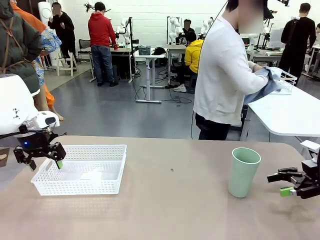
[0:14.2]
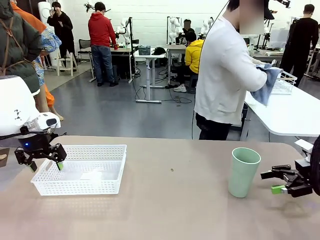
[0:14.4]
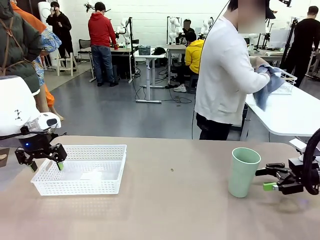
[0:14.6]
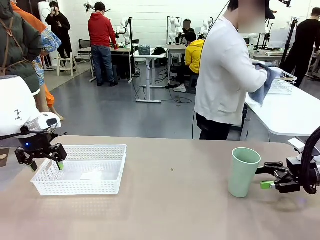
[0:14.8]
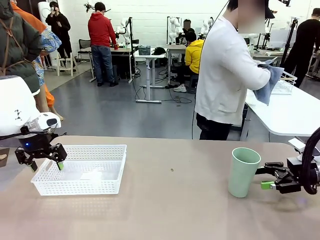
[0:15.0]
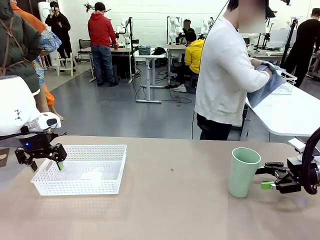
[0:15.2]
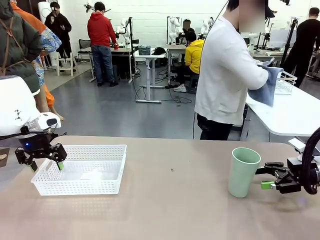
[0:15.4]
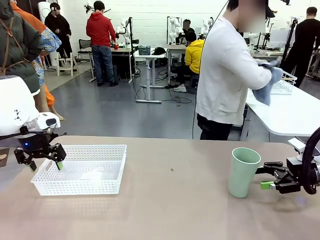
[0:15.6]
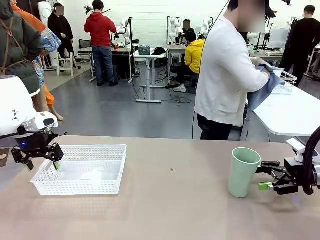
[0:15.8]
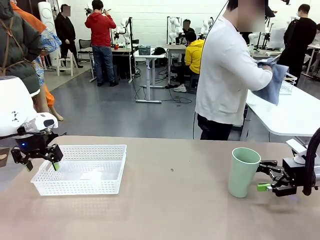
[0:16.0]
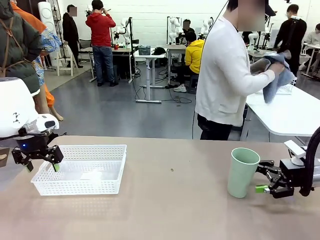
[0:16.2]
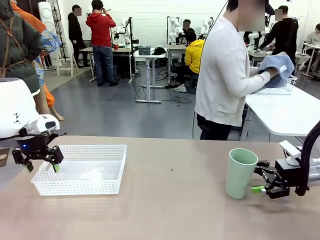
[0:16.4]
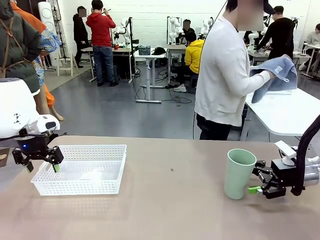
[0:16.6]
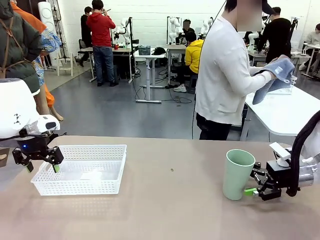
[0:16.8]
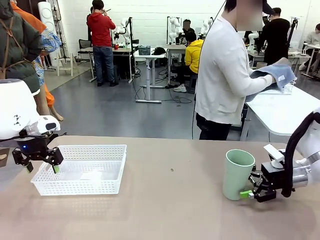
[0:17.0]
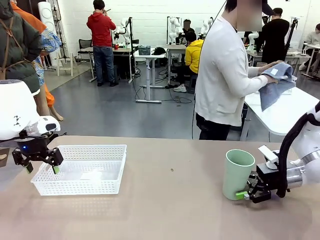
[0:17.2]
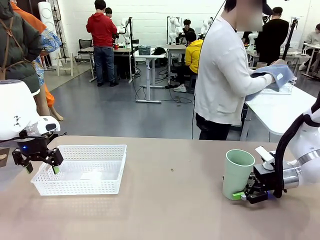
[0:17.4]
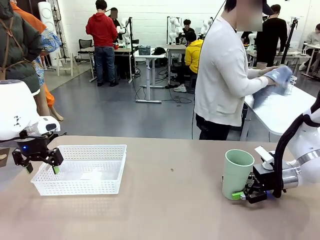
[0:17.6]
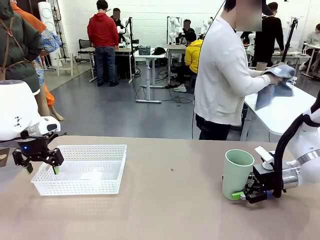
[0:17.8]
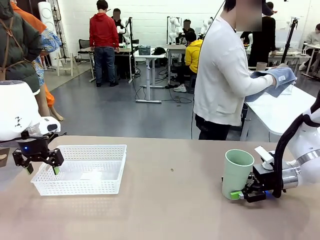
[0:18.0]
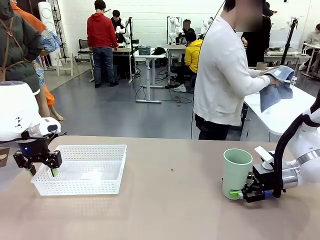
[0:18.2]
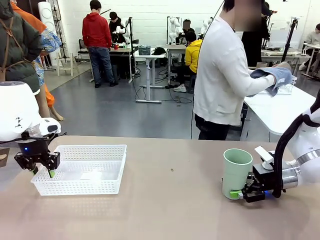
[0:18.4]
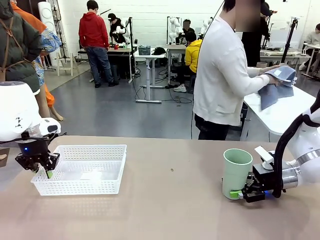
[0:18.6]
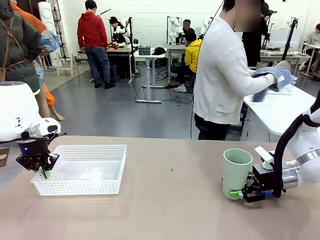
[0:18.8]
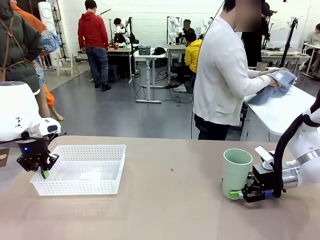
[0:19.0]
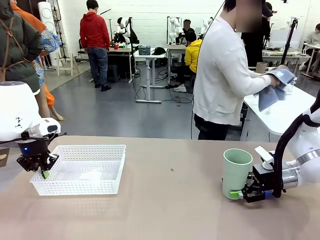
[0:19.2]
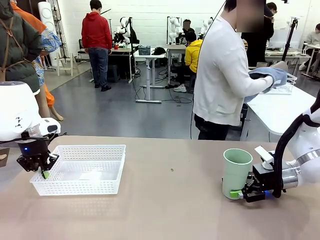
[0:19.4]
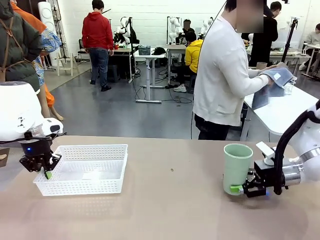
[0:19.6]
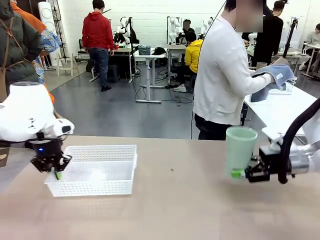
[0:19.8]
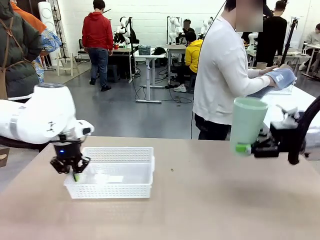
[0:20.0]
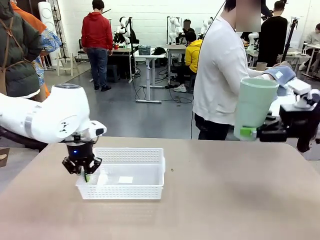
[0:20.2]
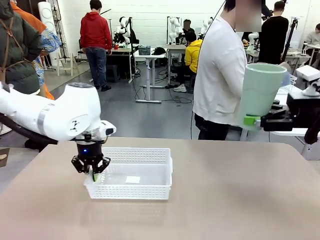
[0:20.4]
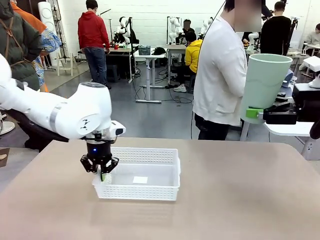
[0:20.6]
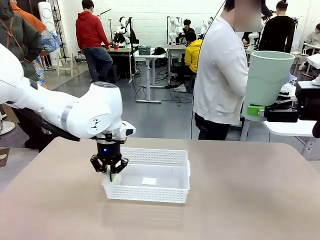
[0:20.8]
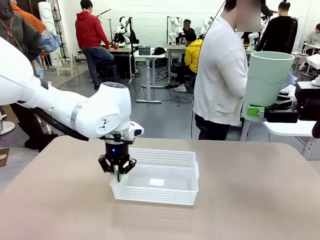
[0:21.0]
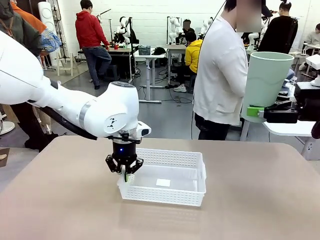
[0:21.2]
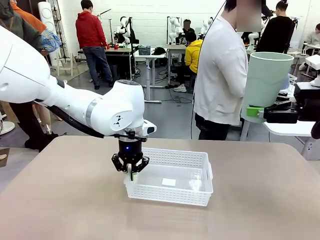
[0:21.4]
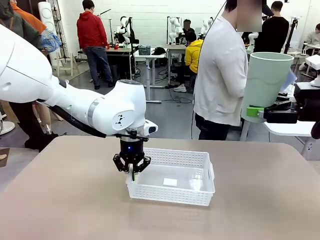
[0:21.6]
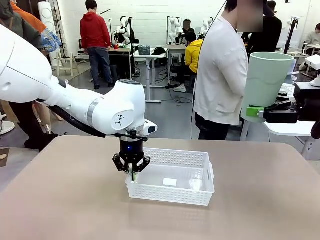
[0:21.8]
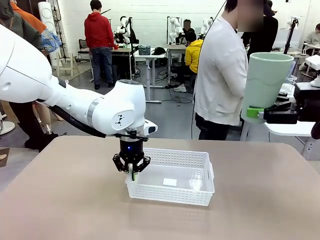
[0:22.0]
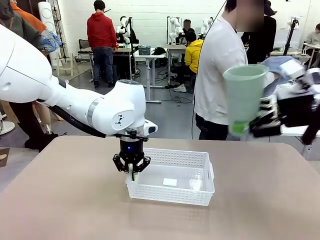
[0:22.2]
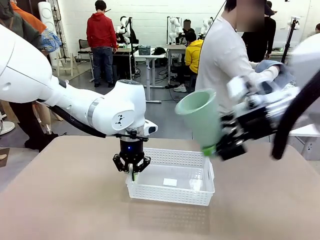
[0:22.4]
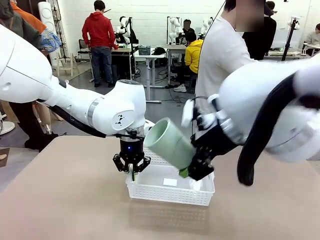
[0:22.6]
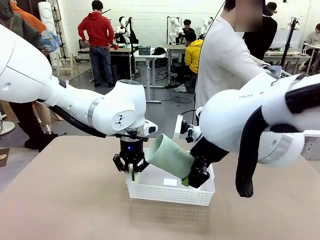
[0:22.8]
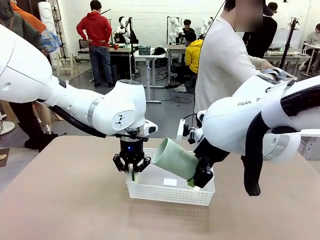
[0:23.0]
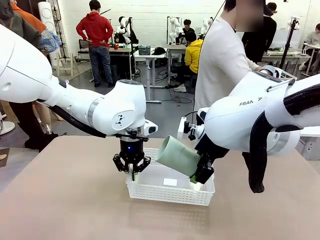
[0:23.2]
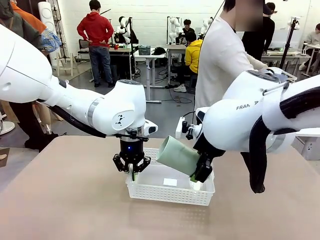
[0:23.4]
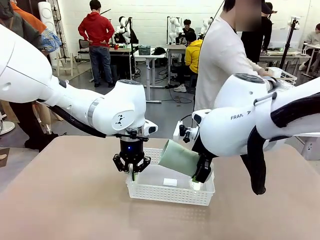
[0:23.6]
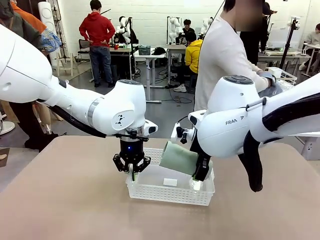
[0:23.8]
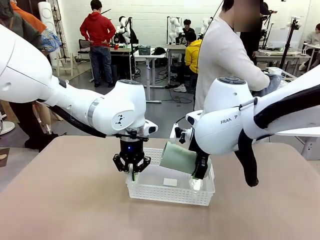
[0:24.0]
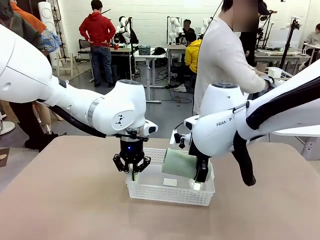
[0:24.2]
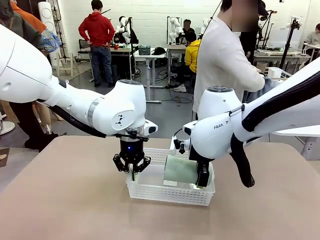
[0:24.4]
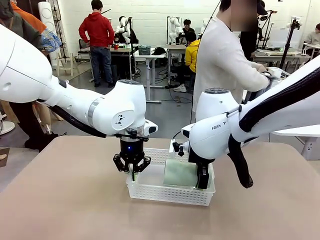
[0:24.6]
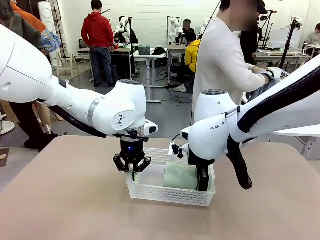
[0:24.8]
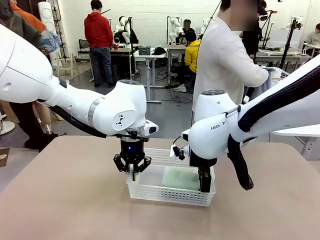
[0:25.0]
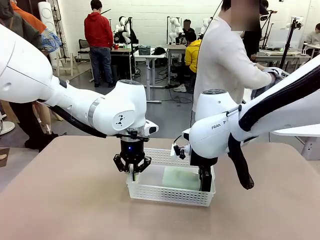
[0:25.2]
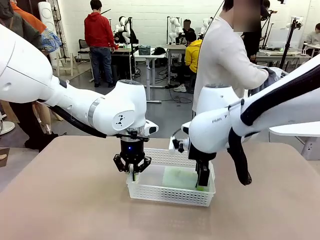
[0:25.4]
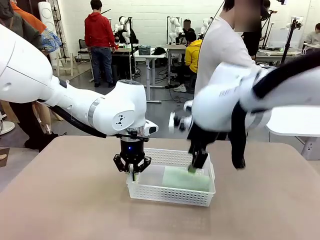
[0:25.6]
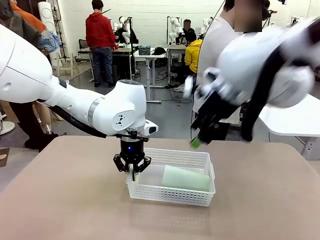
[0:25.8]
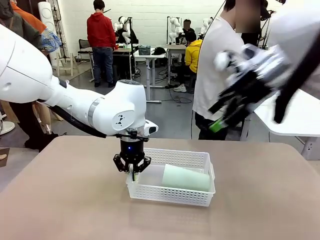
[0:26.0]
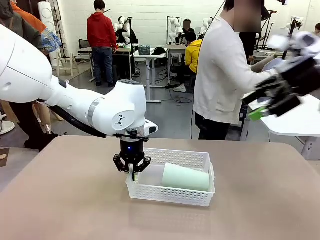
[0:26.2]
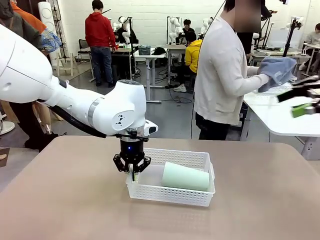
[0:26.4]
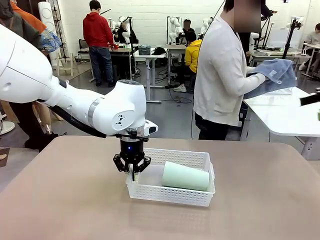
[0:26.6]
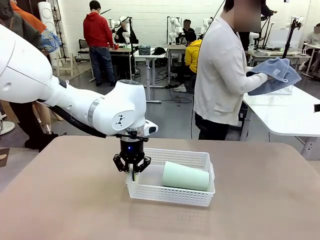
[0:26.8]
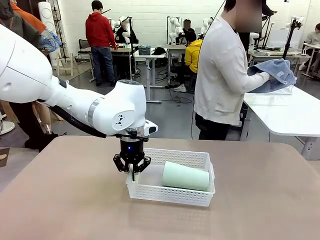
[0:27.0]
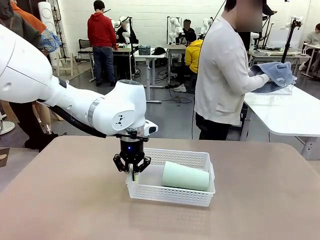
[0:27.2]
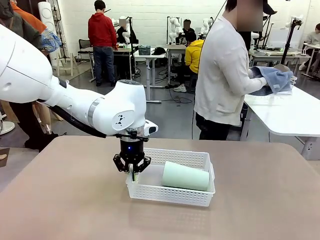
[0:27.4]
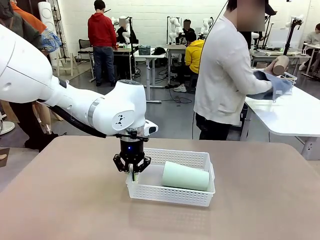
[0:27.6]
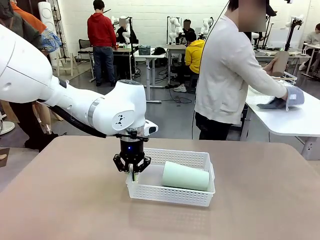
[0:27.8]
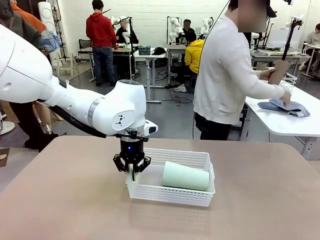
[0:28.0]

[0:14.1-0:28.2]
Task: Clean and organize the cups into the basket.
Robot: Pick up the Organizing basket and move it to the center of the table, then pick up the Reusable plastic cup from the right side of the table and place it inside the Organizing basket.
